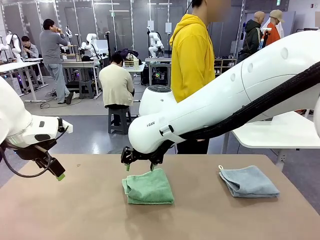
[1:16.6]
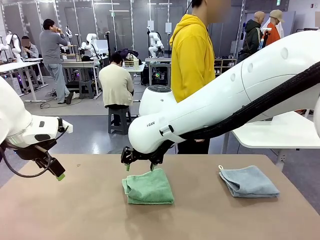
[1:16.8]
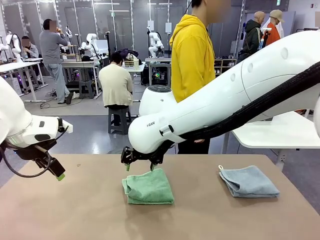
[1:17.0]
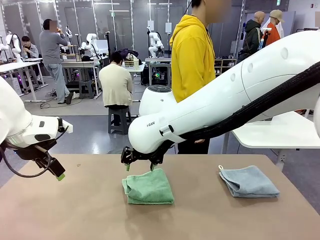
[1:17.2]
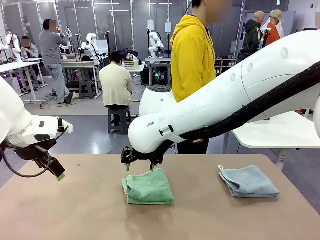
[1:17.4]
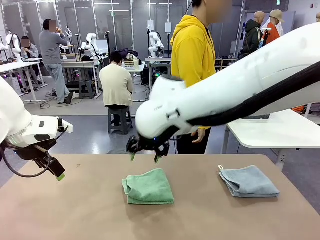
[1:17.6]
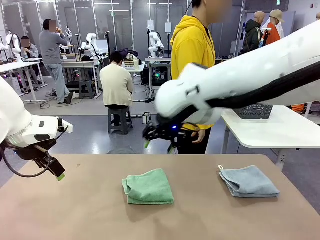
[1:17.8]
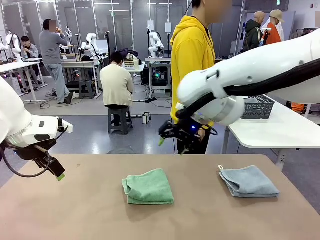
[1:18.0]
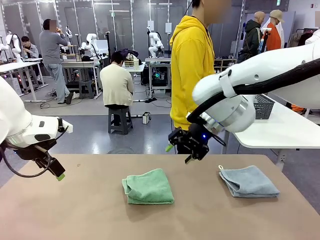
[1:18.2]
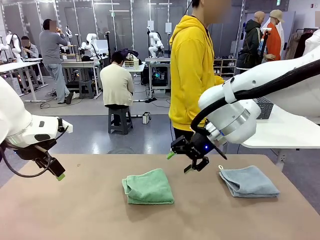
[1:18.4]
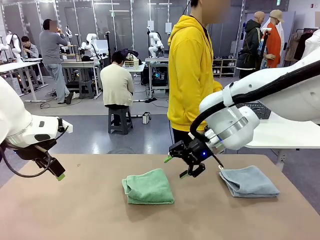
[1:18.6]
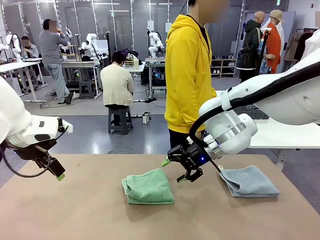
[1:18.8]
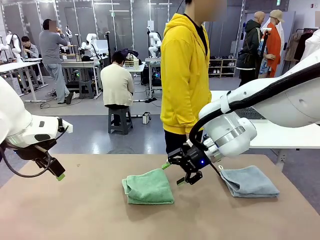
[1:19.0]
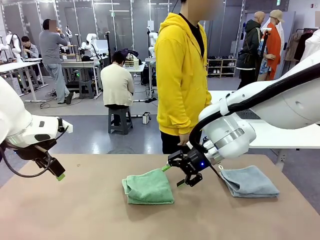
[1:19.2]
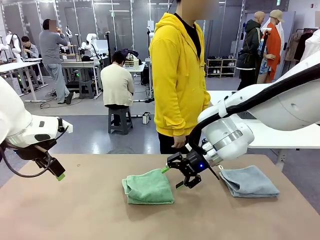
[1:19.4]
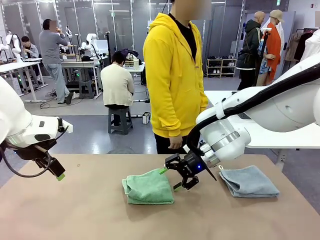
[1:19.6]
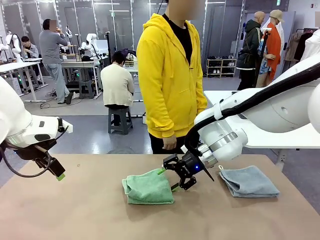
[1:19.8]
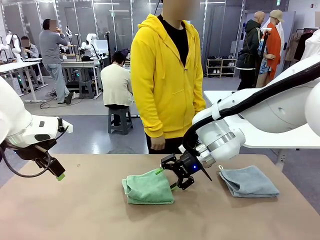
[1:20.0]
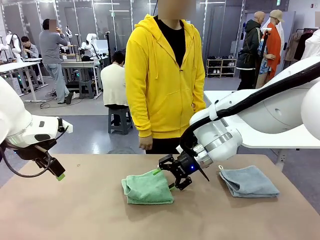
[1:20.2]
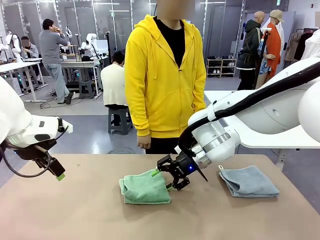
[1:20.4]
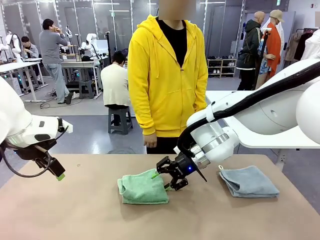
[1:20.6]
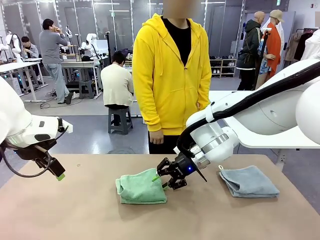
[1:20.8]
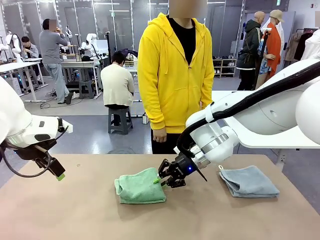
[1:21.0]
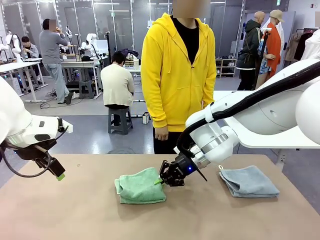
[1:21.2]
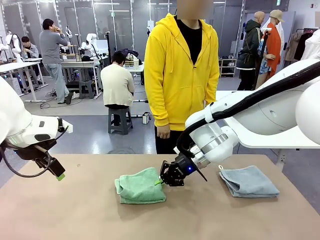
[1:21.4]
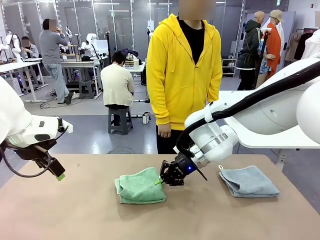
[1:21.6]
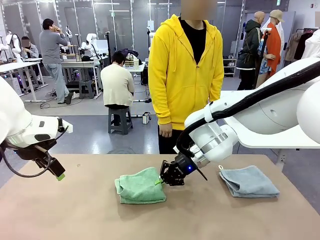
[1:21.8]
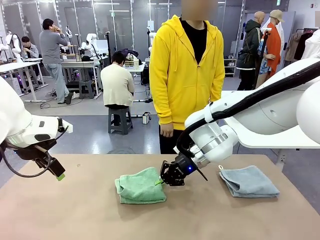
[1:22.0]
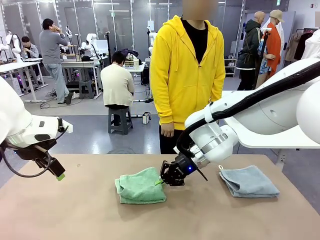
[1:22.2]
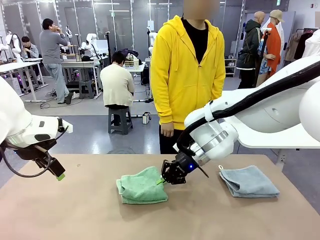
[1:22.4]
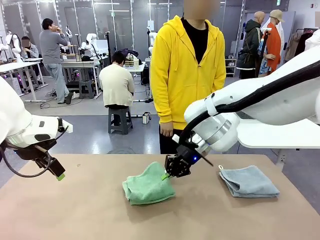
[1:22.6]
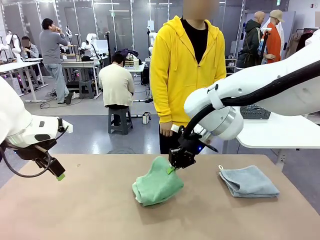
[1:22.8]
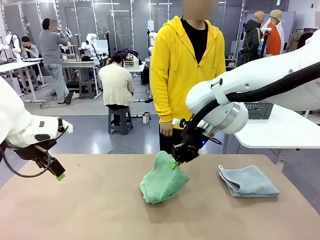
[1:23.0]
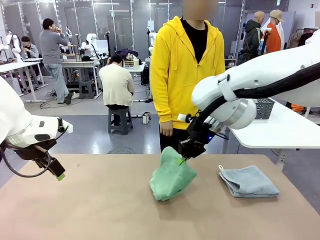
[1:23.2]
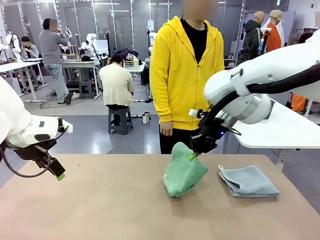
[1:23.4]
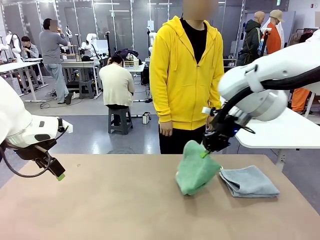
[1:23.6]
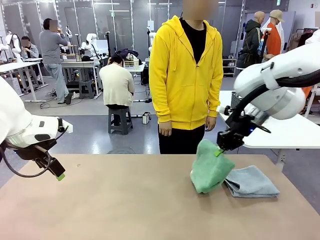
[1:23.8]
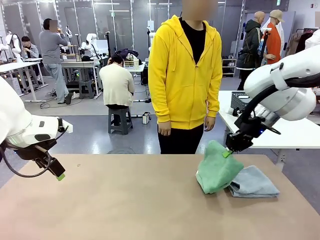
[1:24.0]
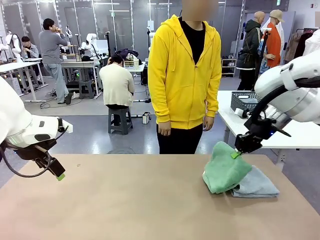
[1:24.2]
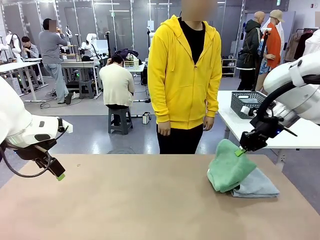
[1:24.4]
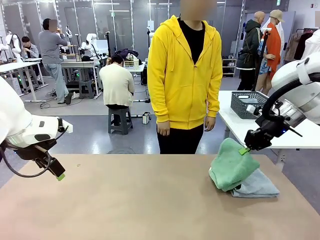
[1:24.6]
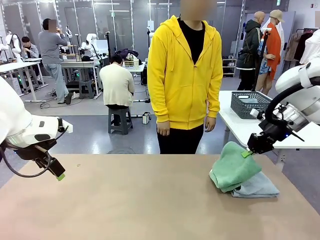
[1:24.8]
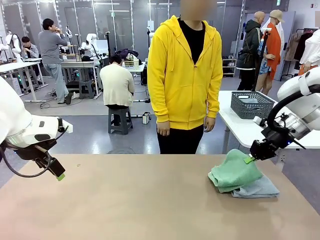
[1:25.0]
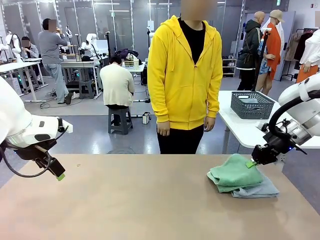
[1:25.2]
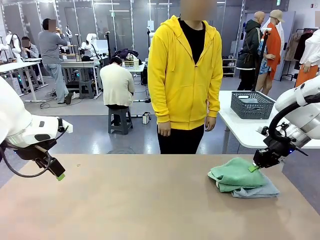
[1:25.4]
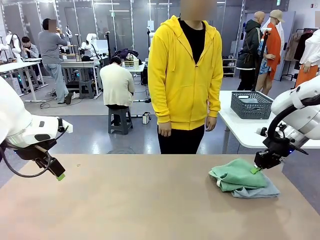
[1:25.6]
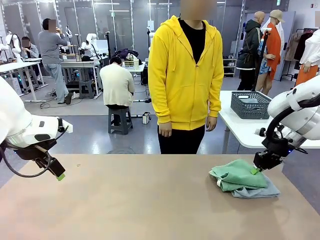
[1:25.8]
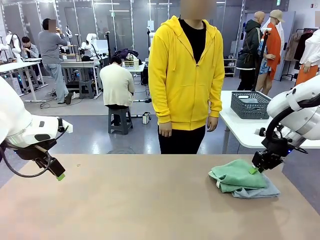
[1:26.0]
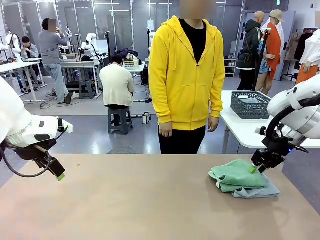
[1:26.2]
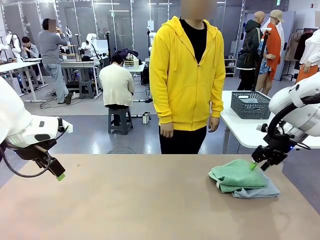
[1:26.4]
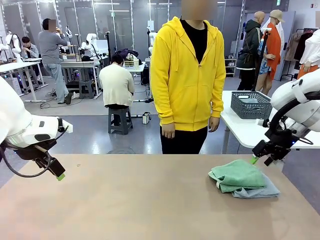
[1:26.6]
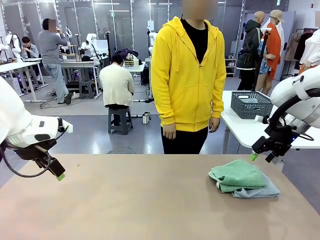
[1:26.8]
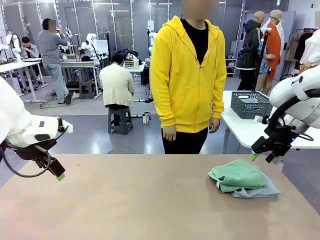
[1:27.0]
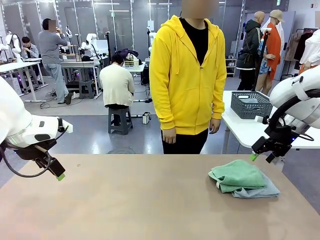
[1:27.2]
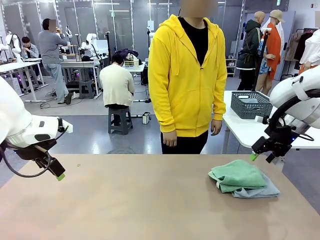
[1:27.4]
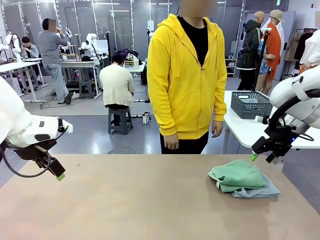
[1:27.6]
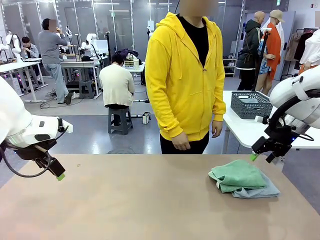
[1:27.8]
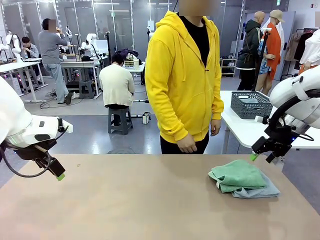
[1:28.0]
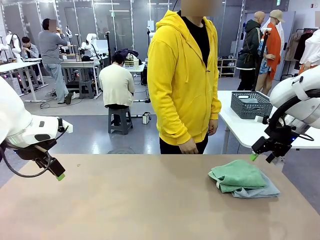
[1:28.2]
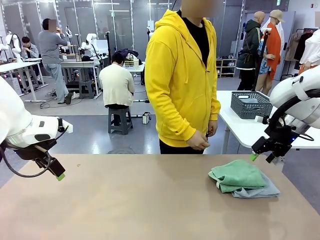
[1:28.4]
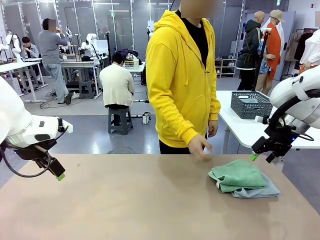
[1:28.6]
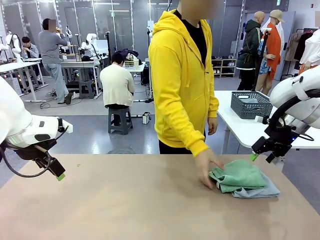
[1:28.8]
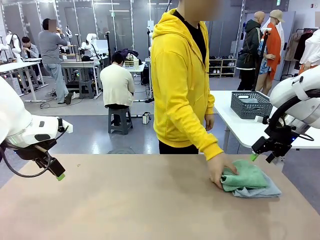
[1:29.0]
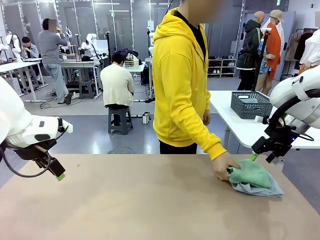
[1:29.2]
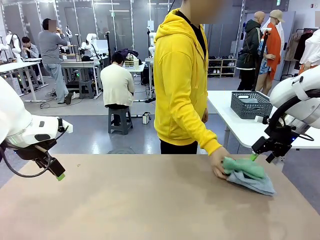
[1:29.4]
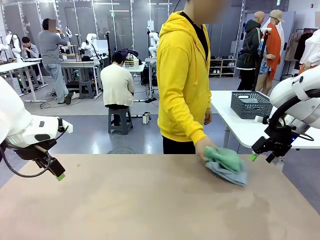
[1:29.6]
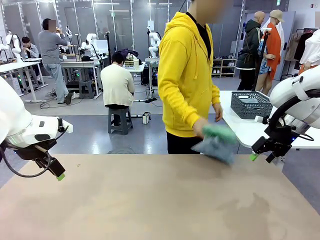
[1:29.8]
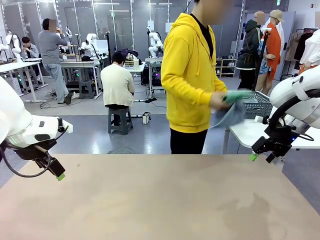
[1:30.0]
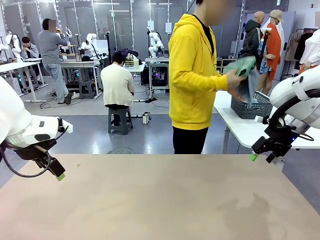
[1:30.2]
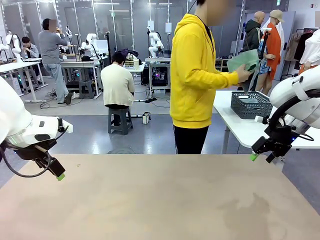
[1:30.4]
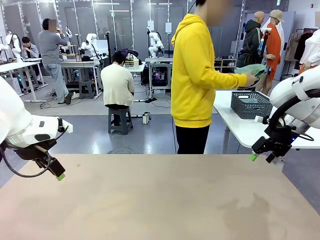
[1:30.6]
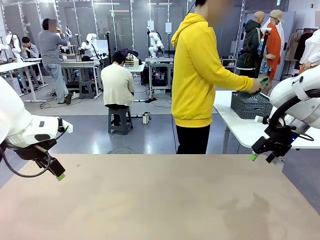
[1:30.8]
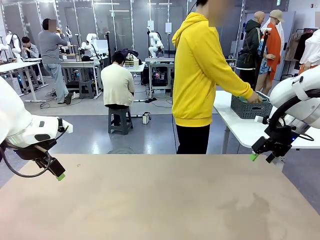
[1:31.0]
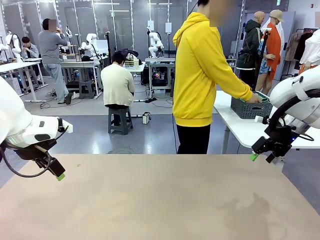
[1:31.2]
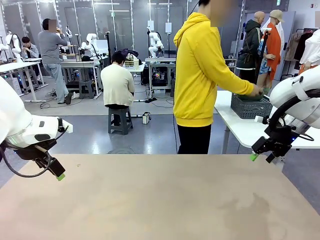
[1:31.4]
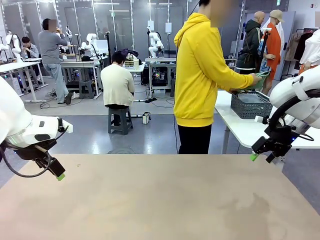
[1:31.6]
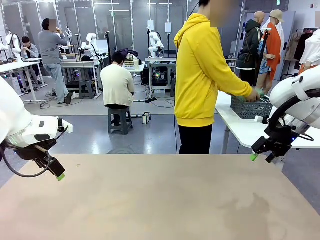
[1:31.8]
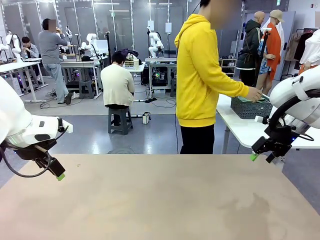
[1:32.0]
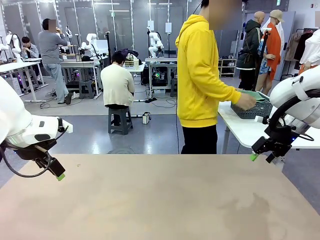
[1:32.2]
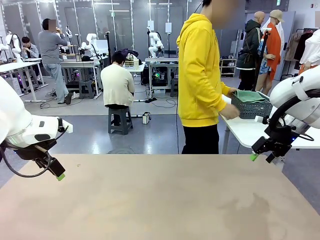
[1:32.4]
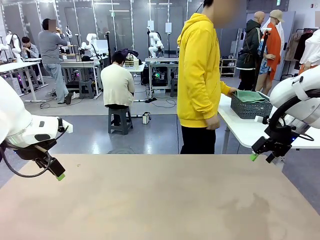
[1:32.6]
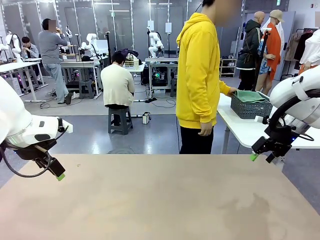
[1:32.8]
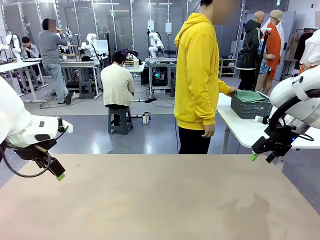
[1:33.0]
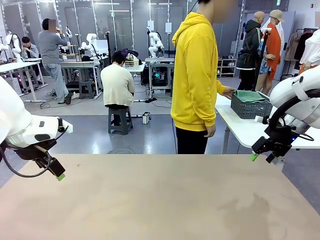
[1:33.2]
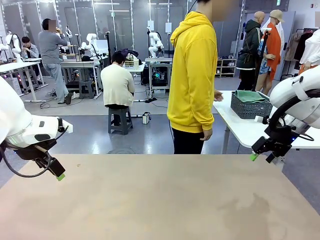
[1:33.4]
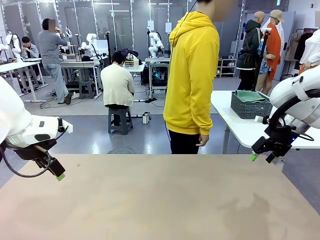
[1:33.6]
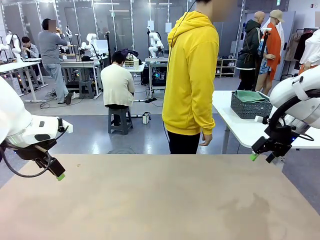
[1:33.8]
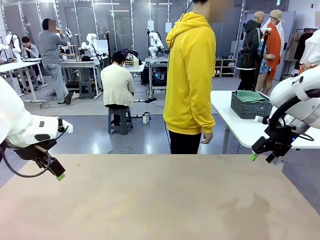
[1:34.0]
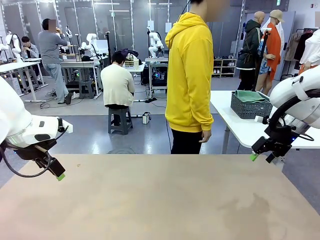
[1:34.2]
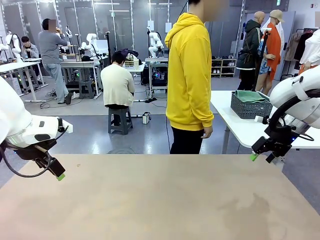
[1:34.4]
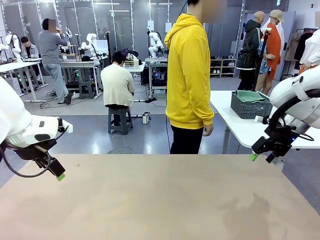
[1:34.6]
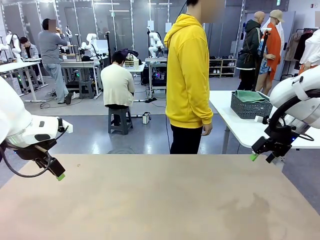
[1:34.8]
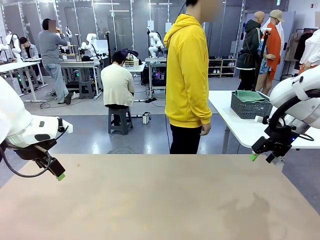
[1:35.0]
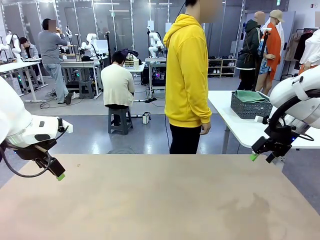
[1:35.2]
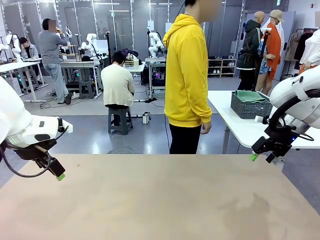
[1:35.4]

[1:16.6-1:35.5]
Task: Fold the towels and place them in the basket.
Robot: Stack the folded Towel with hook on the right side of the table.
Person: Pick up the stack of towels from the robot table and place it into the basket.
